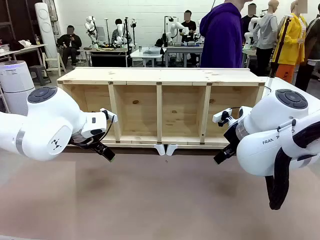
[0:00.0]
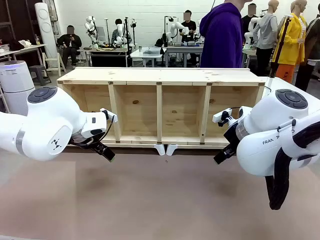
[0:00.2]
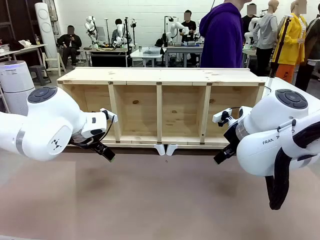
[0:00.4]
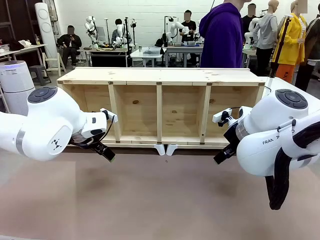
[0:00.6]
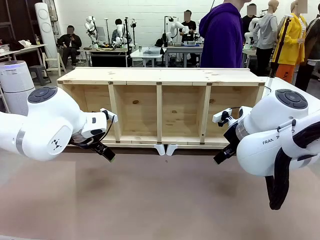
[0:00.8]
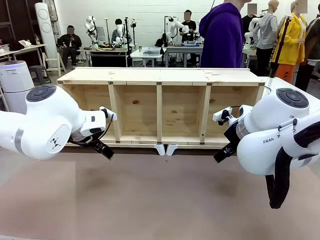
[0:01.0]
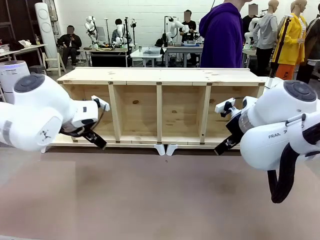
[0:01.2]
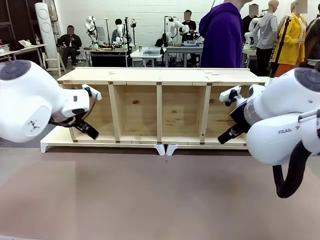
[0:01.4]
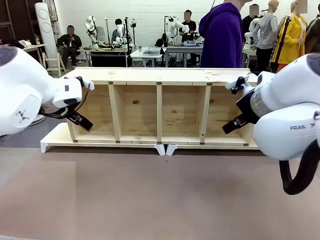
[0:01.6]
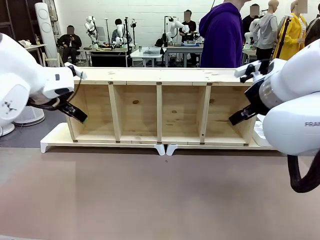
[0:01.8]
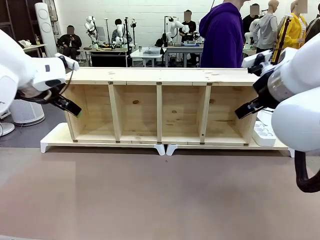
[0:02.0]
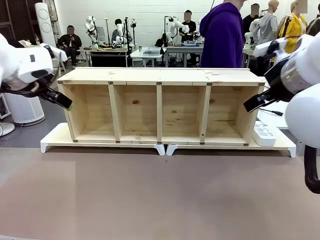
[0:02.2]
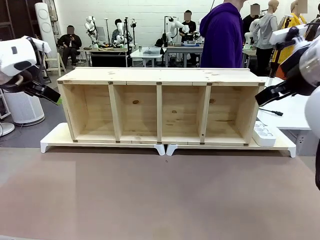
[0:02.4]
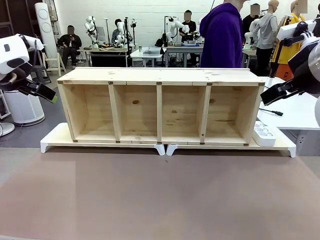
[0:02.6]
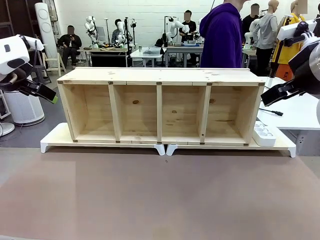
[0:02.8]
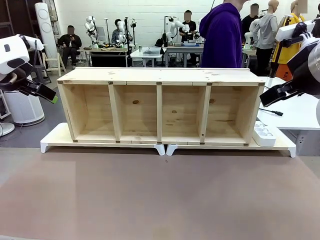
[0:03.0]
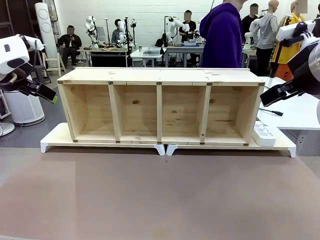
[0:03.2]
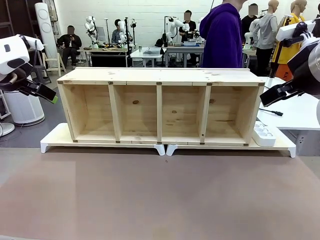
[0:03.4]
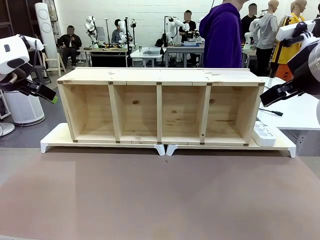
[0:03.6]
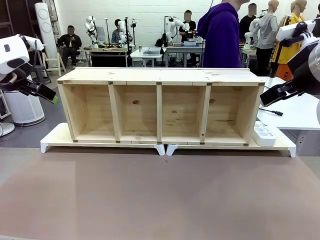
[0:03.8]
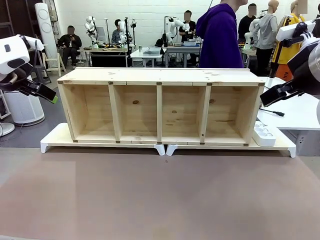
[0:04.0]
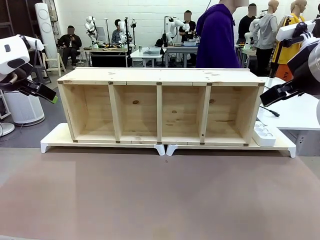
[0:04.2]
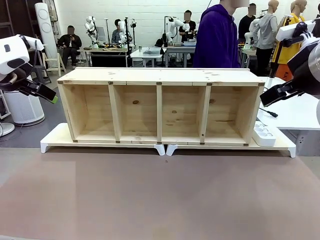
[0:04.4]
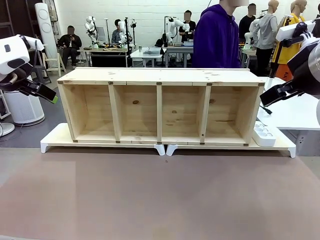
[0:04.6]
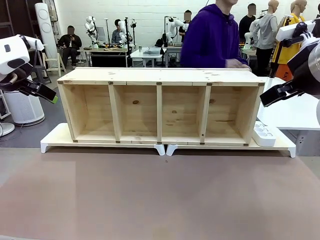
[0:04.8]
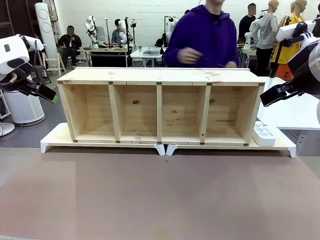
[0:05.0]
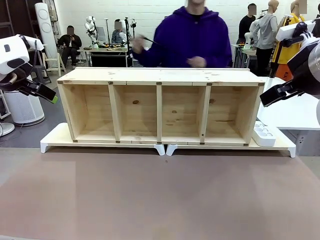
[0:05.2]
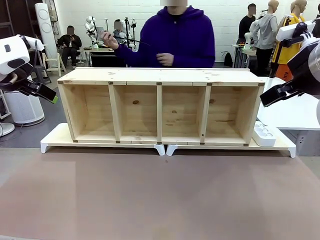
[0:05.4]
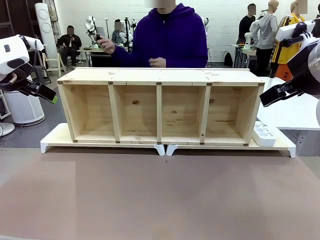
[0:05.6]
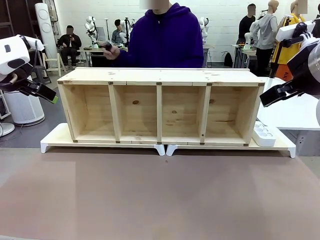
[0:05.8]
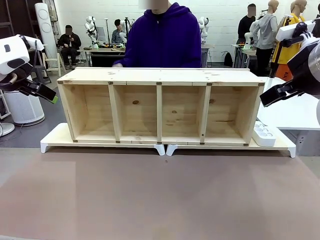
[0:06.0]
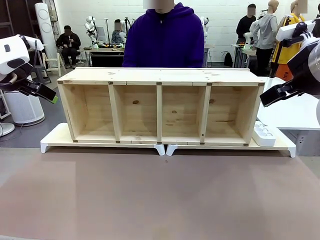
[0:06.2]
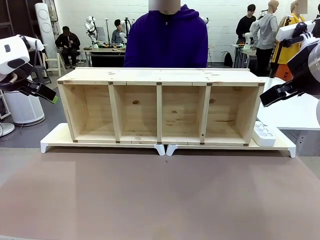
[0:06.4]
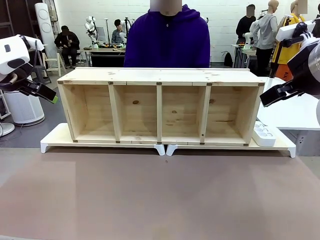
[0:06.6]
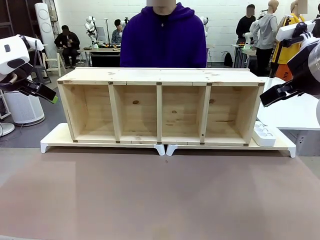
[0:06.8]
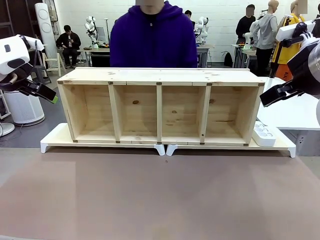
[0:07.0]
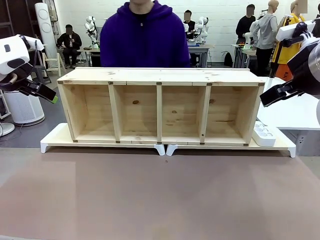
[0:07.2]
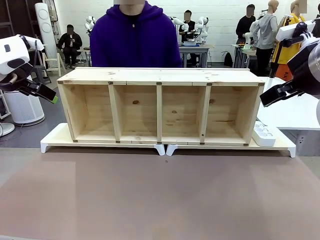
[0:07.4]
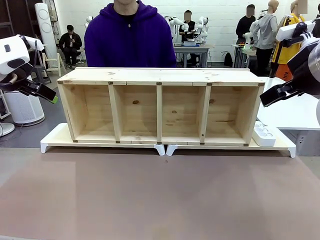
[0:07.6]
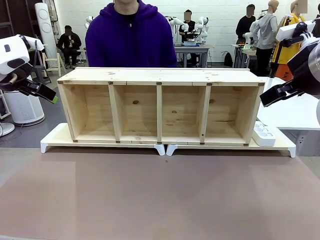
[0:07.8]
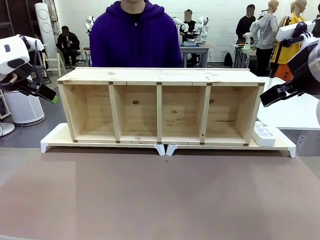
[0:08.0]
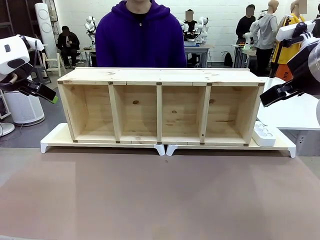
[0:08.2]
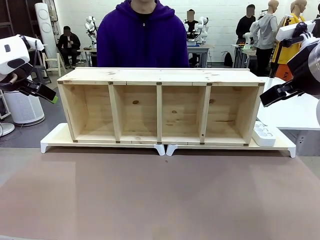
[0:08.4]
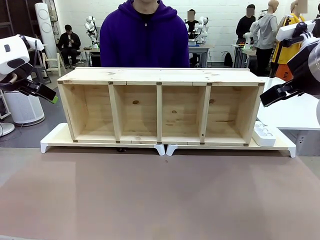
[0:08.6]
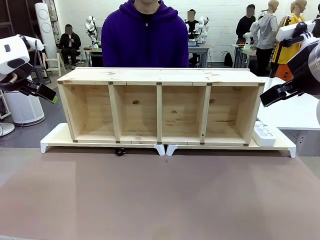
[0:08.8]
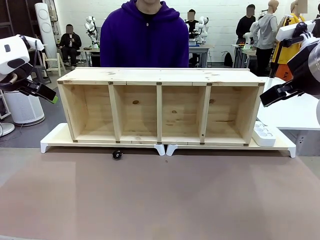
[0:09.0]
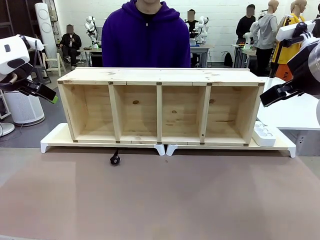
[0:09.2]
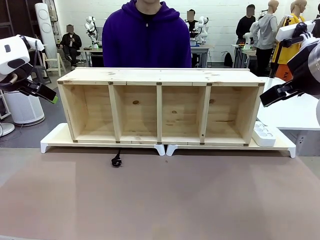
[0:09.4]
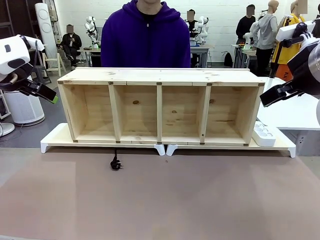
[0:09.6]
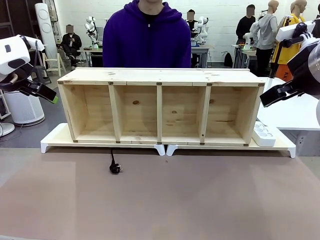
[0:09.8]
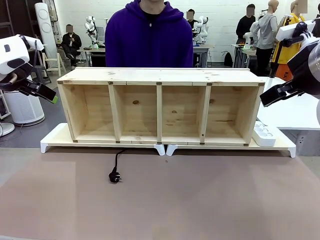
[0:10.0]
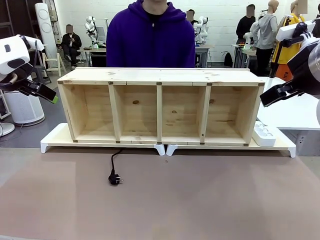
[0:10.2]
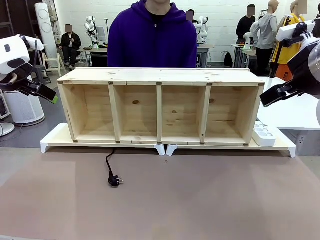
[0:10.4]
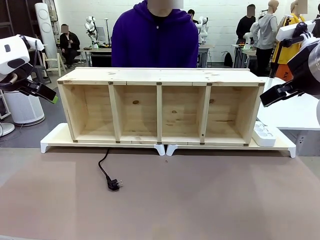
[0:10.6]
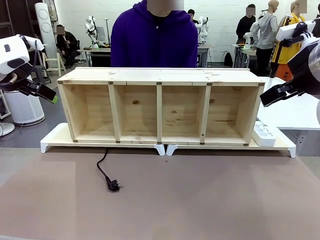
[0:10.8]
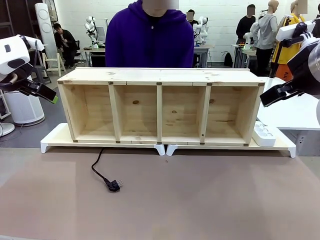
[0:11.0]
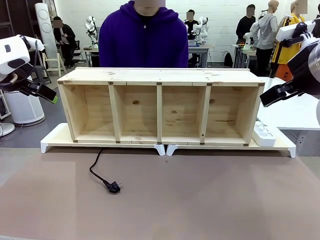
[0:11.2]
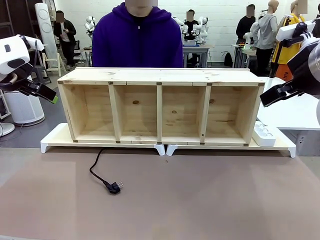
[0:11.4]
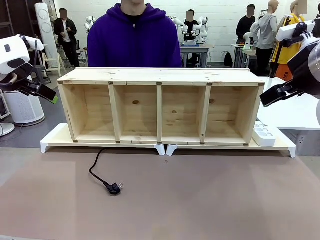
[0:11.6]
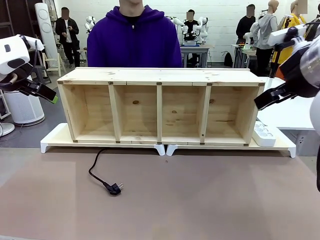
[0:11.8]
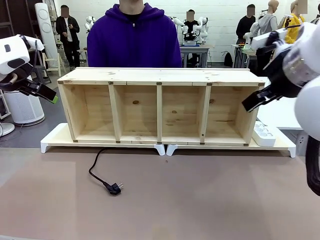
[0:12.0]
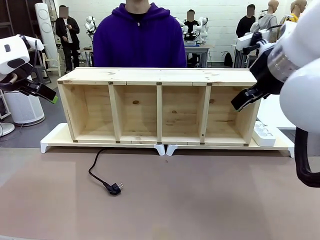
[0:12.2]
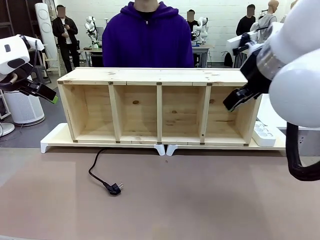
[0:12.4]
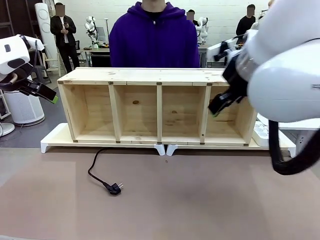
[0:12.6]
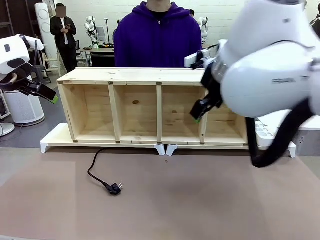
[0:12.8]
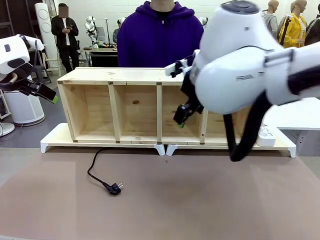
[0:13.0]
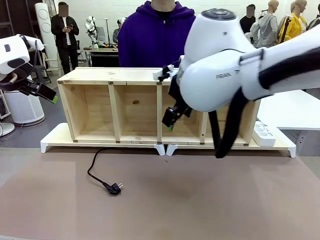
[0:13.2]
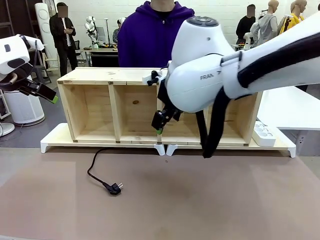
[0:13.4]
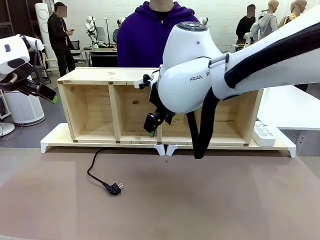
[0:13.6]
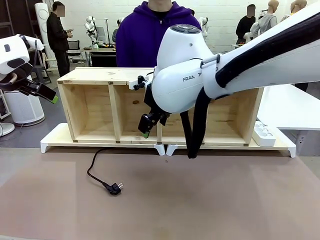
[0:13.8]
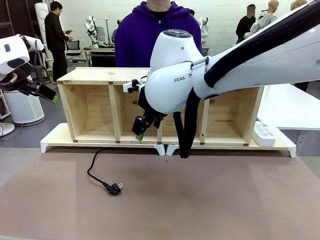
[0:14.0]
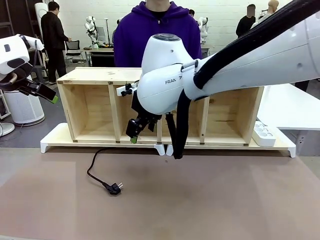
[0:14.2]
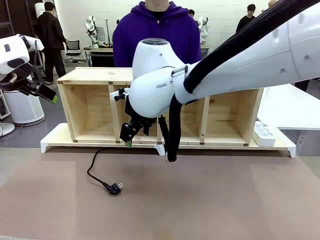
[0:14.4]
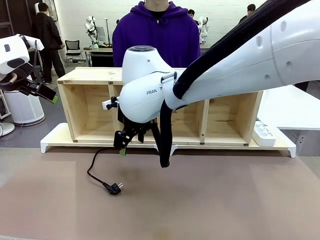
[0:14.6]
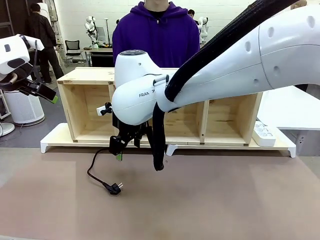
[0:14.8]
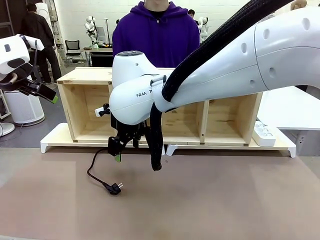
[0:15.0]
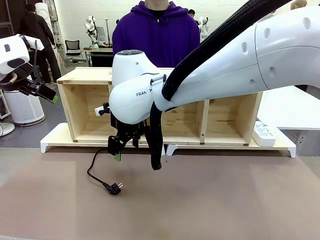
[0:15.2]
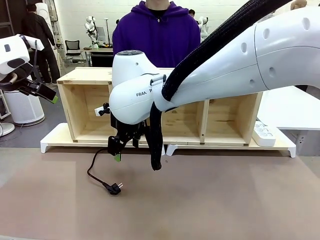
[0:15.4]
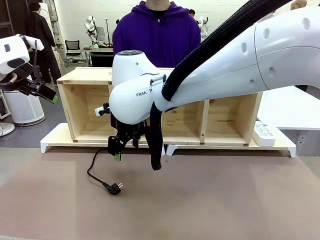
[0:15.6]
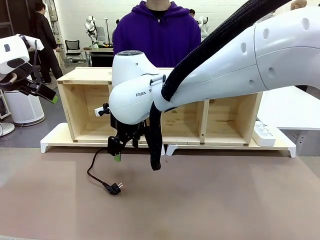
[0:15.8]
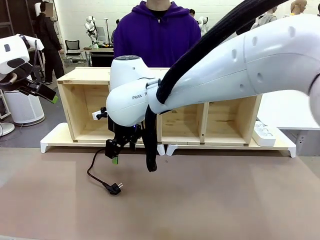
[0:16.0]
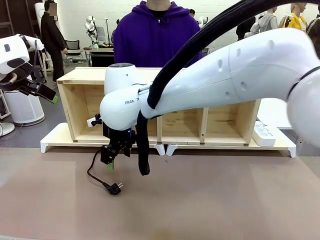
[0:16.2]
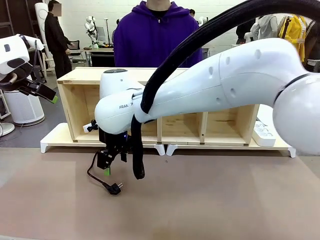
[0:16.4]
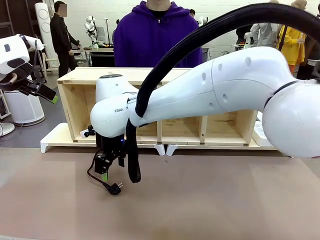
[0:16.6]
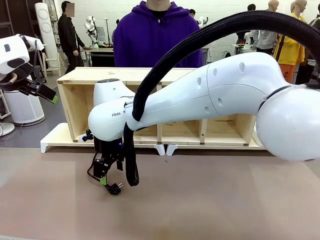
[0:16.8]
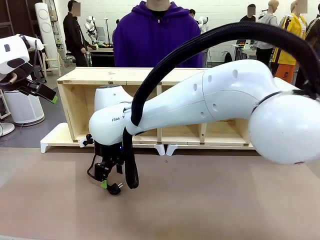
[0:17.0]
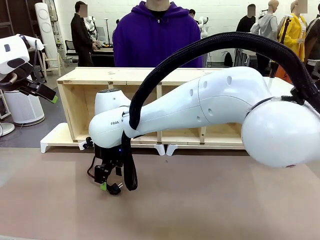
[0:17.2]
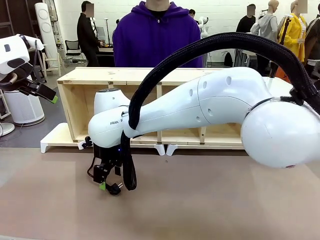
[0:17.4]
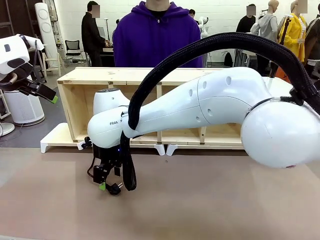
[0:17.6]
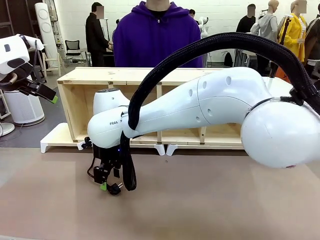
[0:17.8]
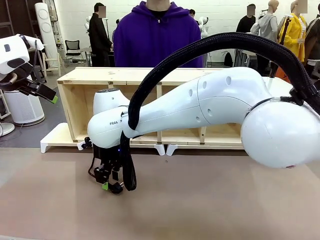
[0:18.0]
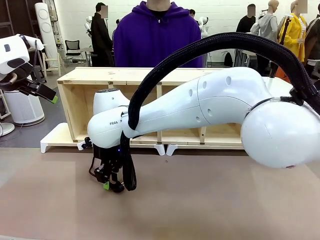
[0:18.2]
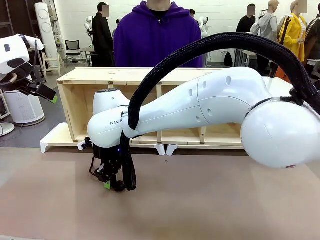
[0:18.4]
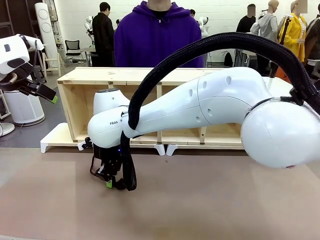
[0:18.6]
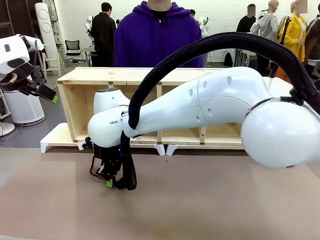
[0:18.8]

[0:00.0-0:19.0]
Task: Perform cable management.
Robot: When the cord part of the Power Cable appears at the lower middle area of the table and stops, grasp the cord part of the Power Cable.
Person: Pass the Power Cable under the Serving Table.
